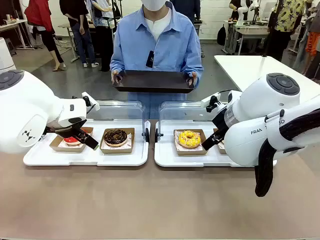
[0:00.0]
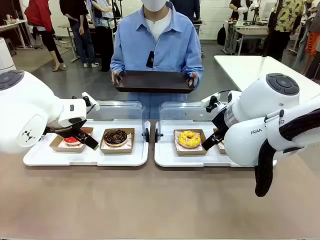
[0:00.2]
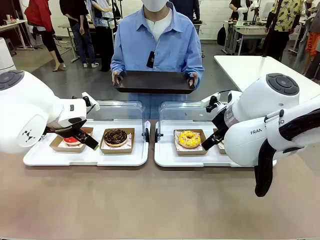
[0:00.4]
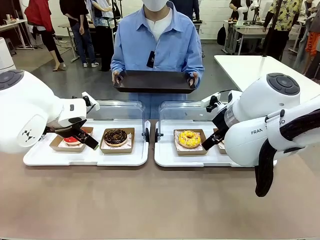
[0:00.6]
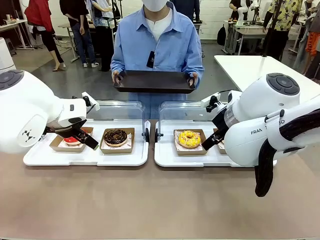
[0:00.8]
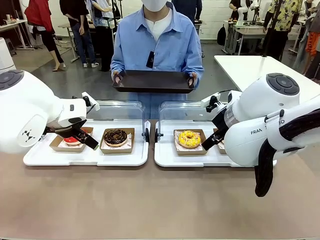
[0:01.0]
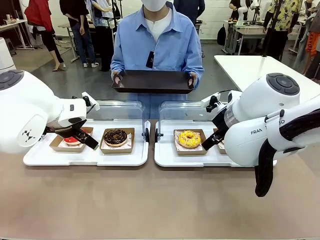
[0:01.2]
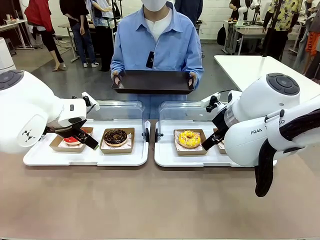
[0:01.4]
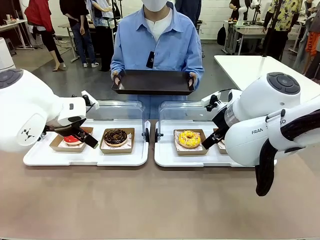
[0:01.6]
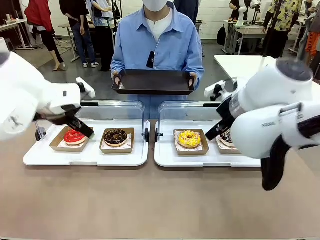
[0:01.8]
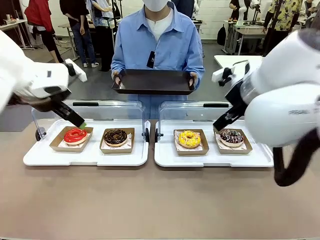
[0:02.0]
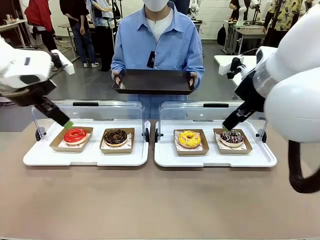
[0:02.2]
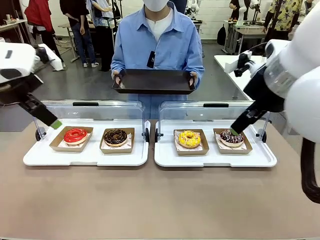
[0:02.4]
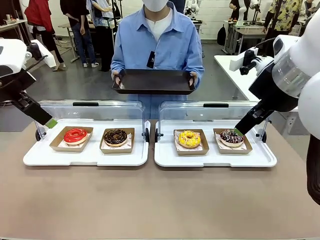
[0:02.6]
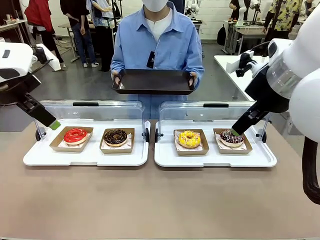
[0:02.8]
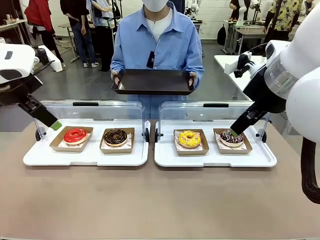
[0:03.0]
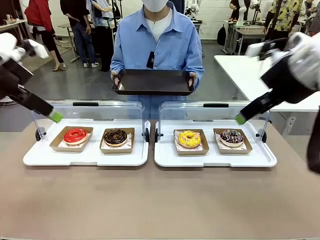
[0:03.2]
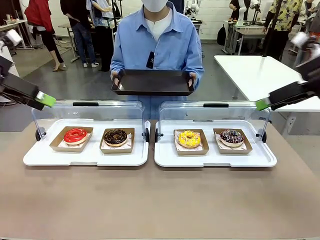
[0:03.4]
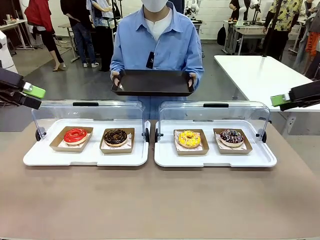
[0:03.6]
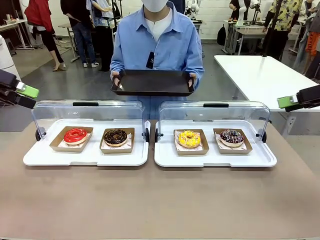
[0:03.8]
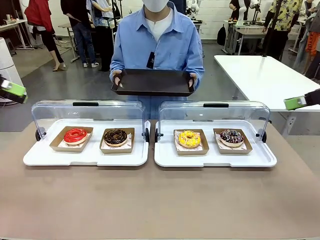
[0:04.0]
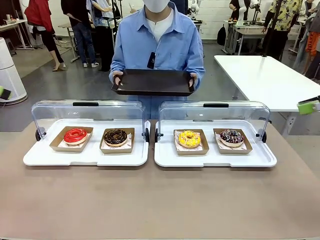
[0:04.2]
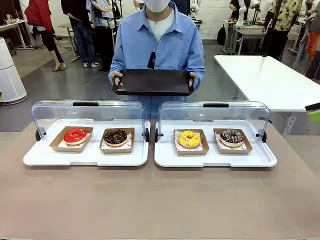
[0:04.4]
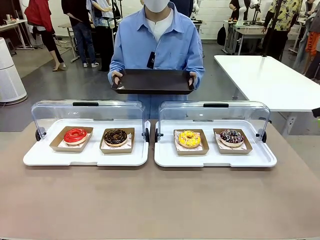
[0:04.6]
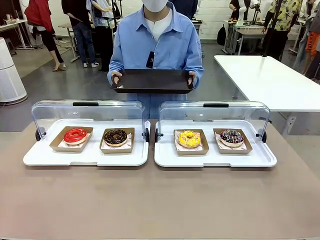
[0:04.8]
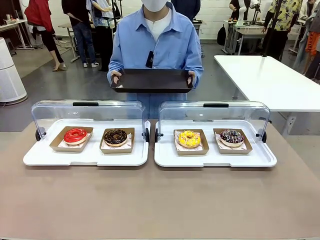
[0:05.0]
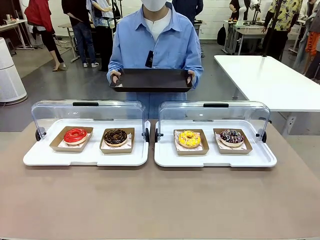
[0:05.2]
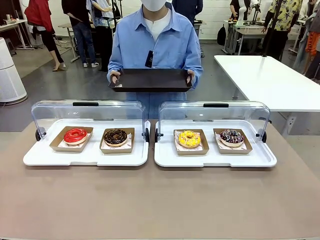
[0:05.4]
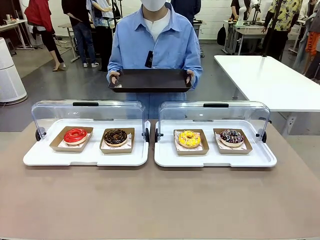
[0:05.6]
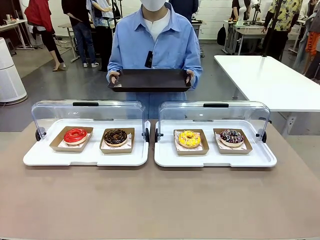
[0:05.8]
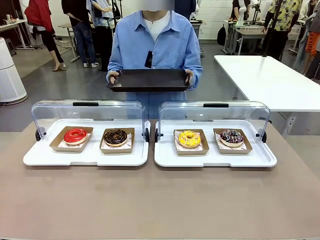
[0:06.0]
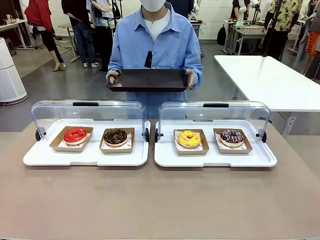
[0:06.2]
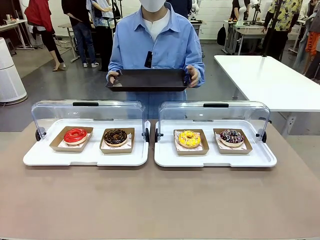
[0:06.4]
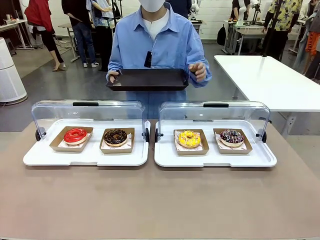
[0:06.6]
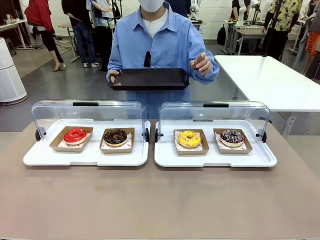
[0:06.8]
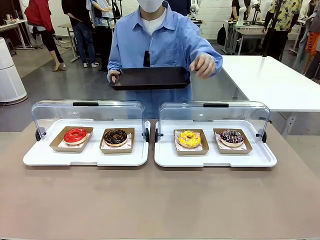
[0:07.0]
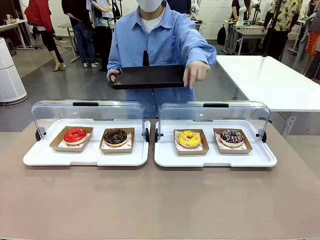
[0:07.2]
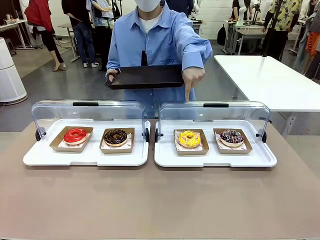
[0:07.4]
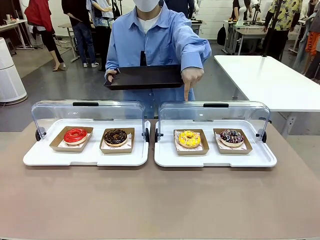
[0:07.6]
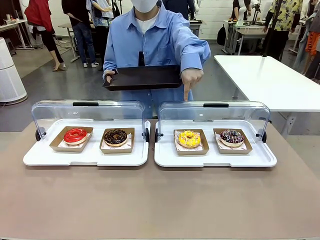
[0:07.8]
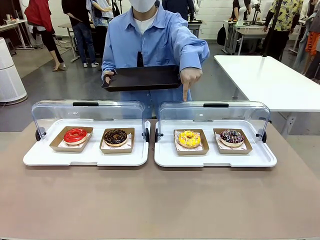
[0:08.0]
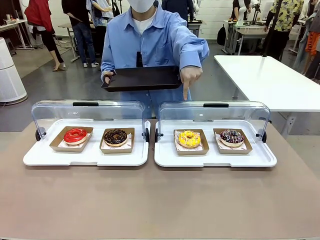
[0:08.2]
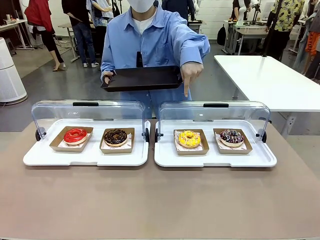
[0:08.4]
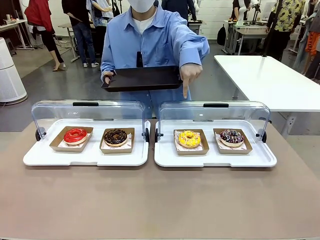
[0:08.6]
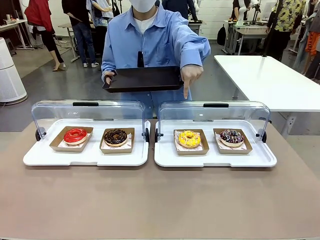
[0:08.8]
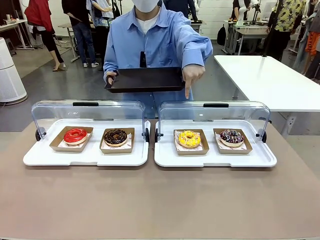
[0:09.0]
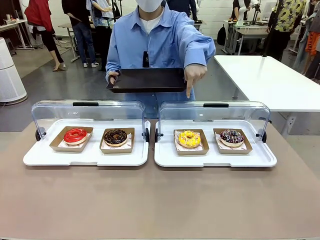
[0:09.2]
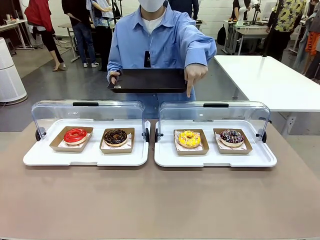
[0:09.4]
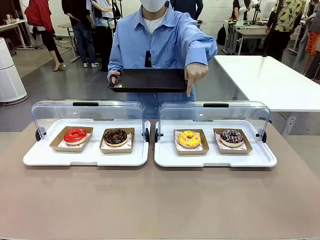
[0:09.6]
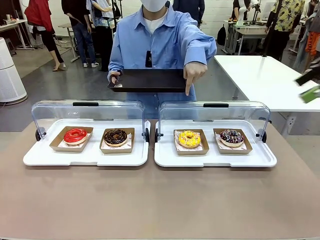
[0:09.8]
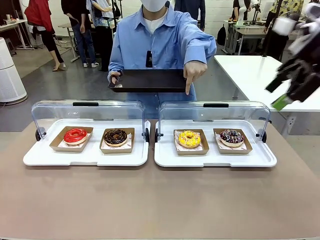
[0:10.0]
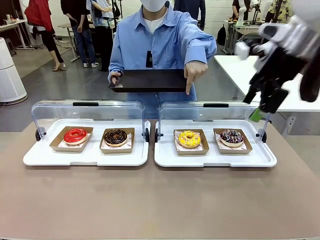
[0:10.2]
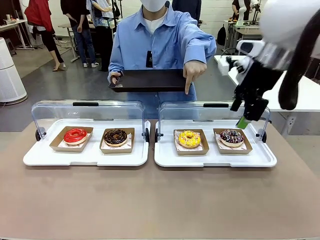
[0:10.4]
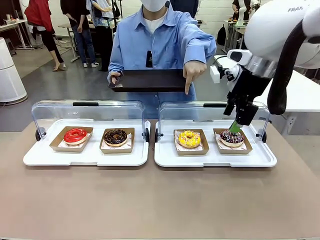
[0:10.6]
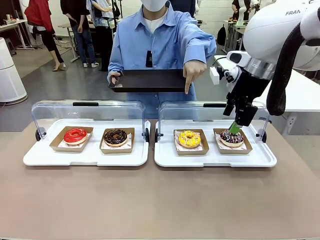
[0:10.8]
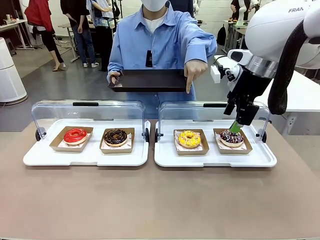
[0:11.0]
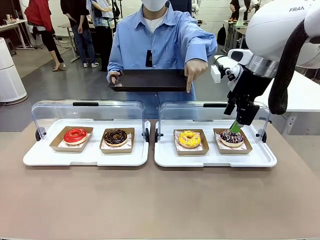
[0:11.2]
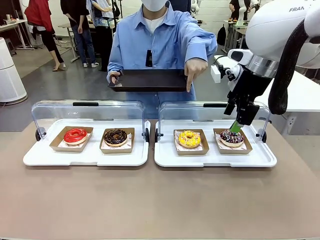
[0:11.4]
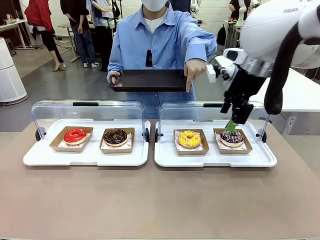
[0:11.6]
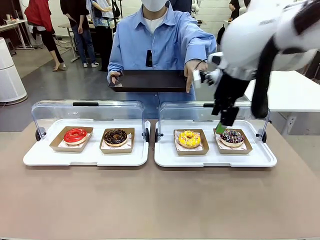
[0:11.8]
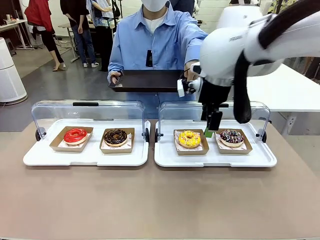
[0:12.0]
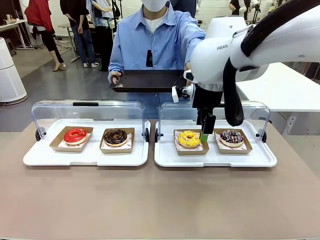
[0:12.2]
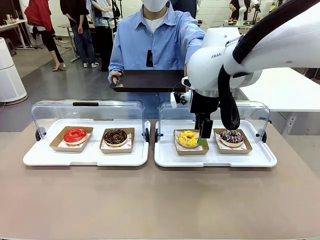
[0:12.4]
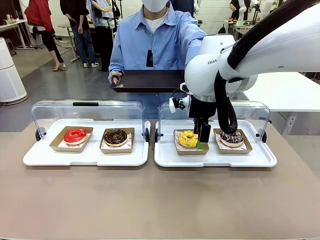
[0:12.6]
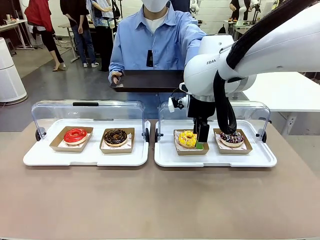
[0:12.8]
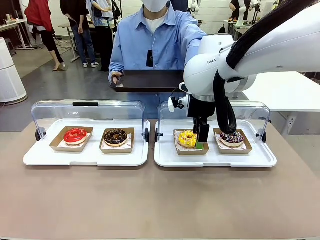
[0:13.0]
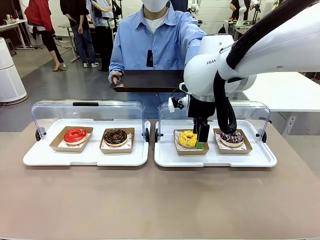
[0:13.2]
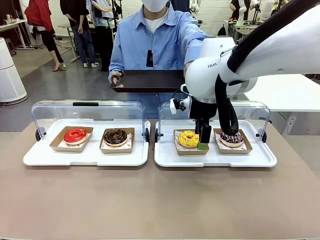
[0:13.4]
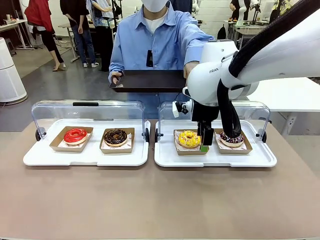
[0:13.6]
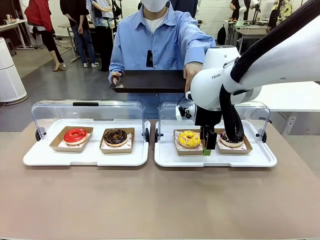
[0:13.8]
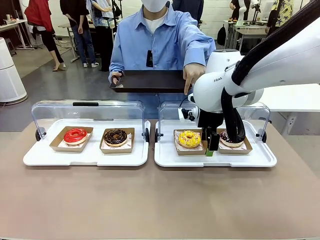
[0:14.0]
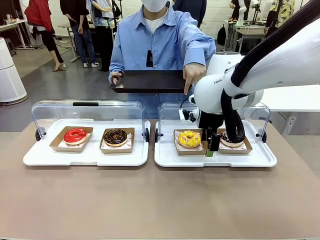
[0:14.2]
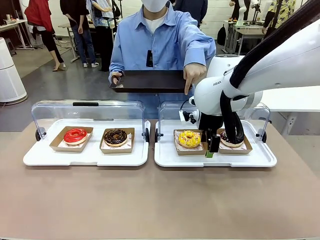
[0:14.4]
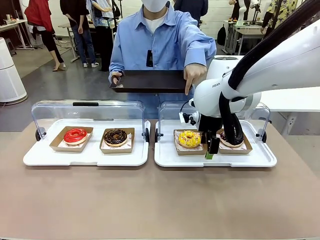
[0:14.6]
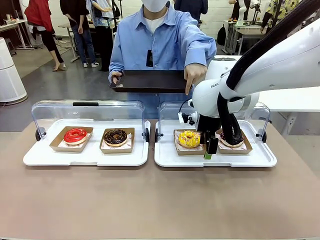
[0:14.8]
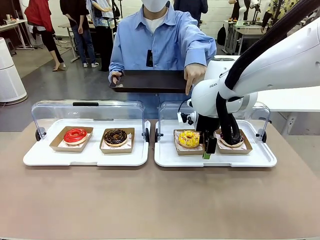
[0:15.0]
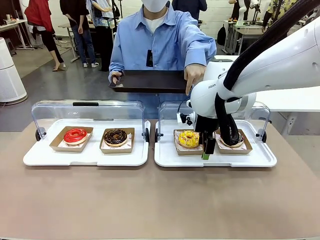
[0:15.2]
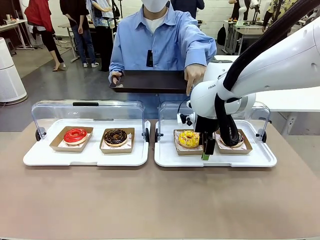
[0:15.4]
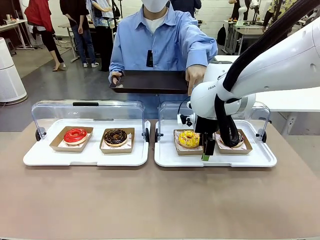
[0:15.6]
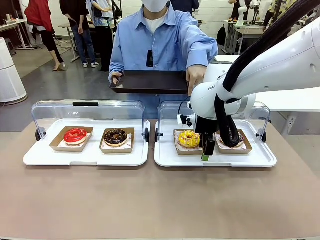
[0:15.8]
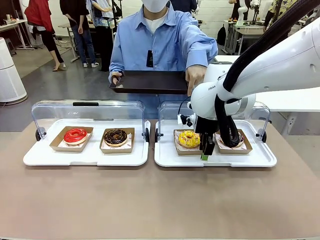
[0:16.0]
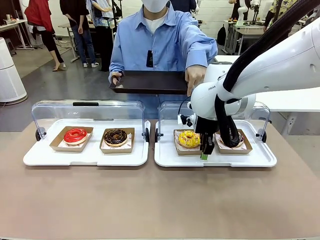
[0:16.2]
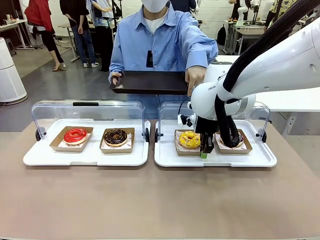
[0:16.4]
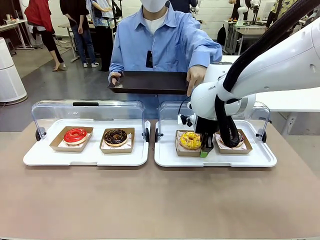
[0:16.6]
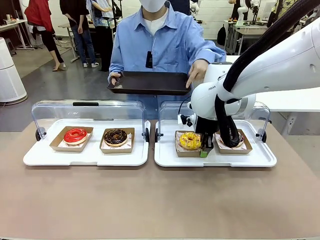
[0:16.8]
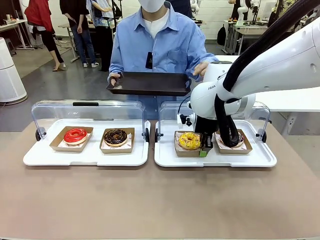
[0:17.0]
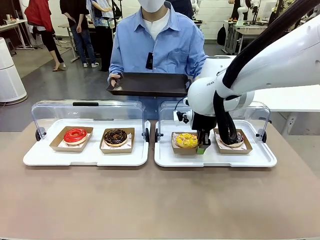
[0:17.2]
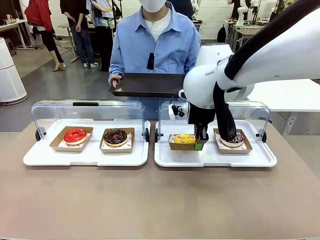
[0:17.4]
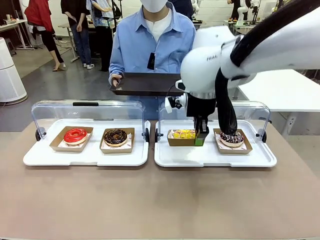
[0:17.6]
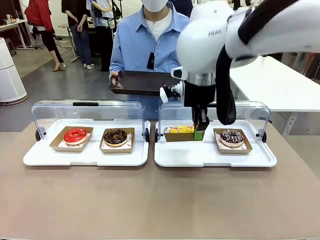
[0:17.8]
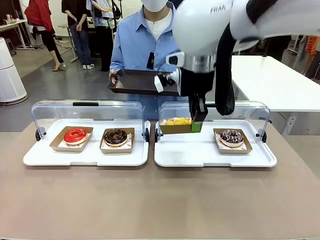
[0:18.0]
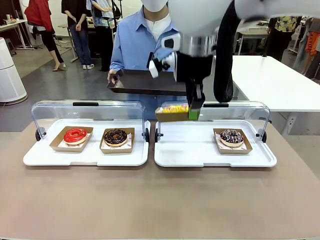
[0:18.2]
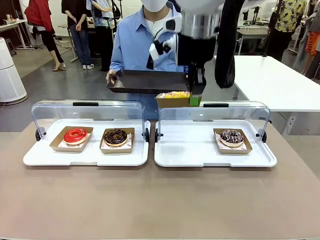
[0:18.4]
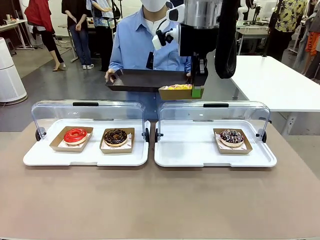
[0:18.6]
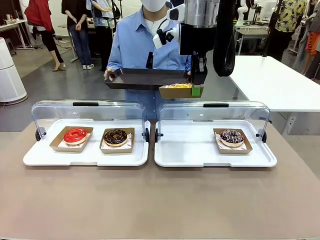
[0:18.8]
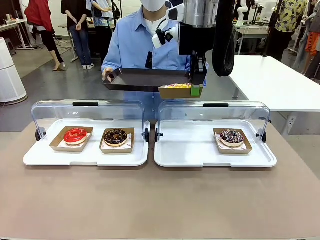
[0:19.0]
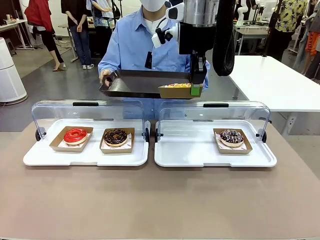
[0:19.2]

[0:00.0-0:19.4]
Task: Provide the desired donut to the person.
Robot: Pick up and lift the Paper togo box containing the Donut pointed at by the person.
Person: Point to one donut. Lift the tray onto the Roll-Top Bakery Case.

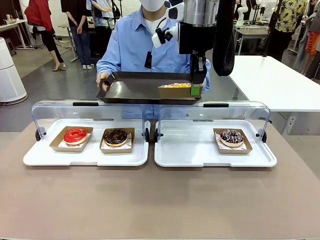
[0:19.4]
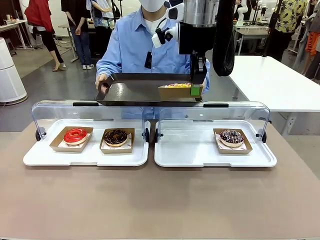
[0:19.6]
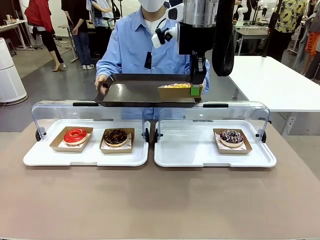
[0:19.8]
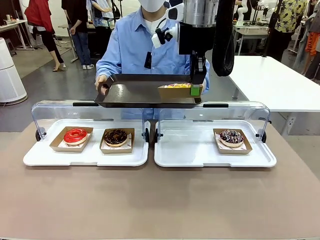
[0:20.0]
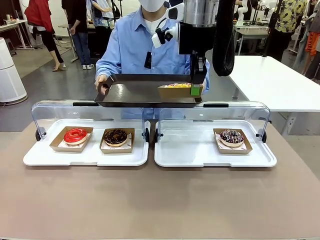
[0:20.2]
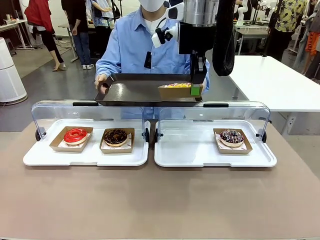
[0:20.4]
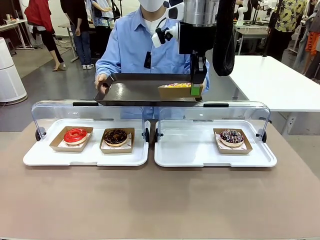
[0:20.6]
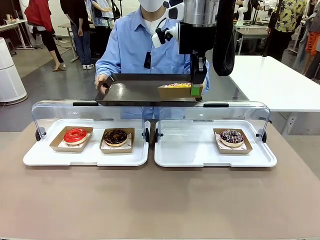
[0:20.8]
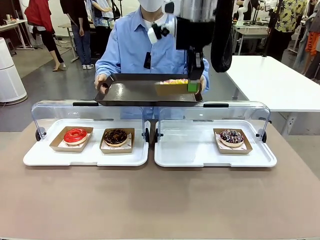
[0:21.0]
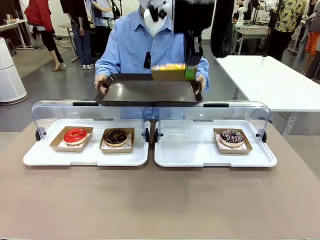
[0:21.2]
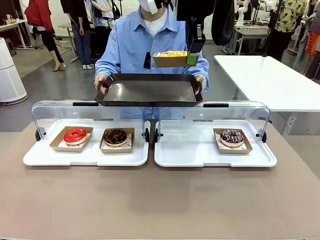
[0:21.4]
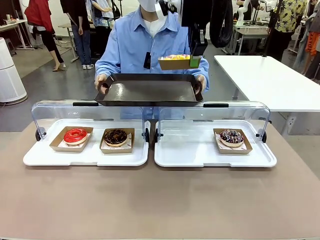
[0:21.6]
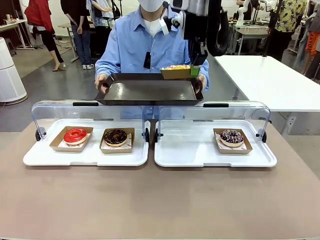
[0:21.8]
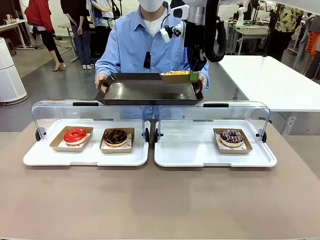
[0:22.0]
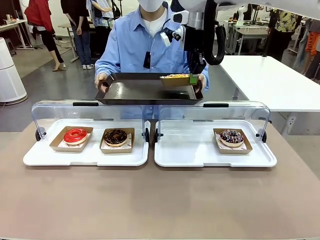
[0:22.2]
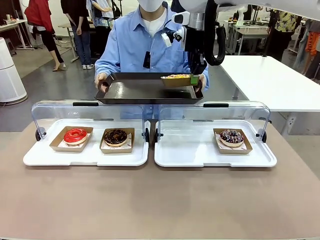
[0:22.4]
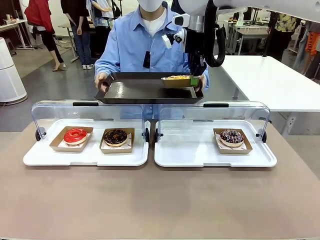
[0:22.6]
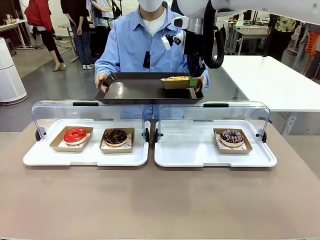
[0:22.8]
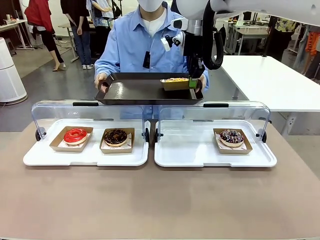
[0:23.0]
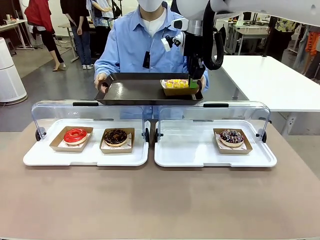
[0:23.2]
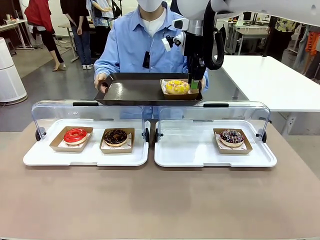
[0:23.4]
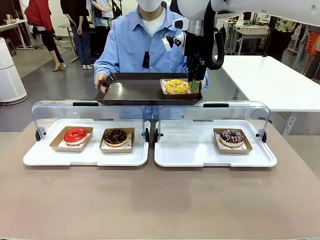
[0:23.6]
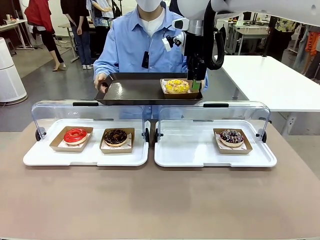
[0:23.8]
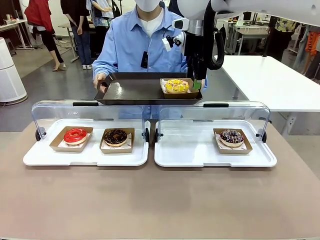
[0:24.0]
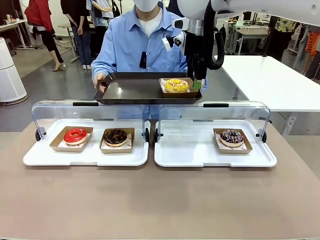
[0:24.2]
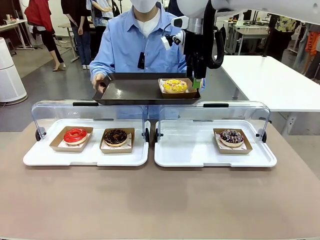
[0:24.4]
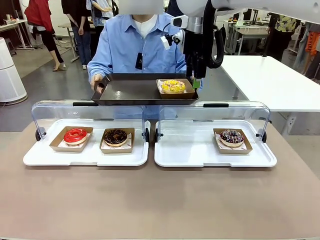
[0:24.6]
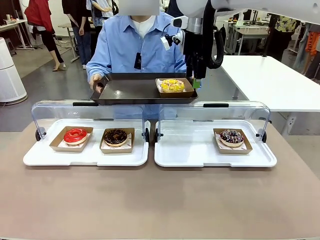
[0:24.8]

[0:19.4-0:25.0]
Robot: Place the picked Paper togo box onto the Handle tray extended by the person.
